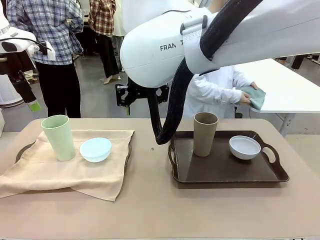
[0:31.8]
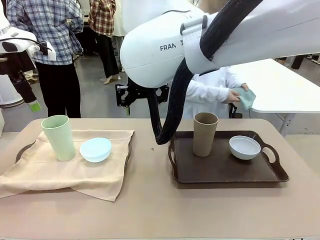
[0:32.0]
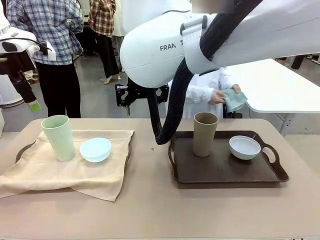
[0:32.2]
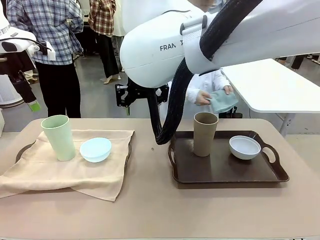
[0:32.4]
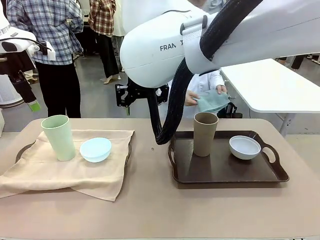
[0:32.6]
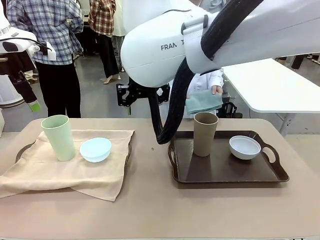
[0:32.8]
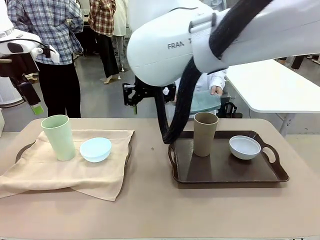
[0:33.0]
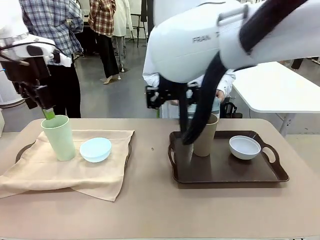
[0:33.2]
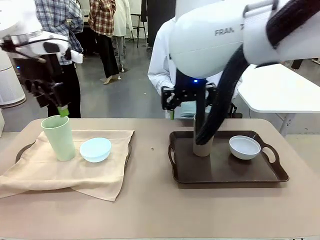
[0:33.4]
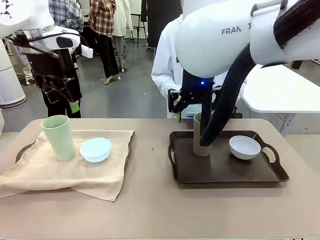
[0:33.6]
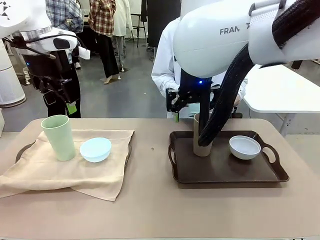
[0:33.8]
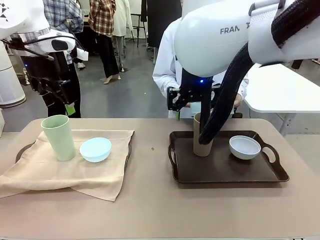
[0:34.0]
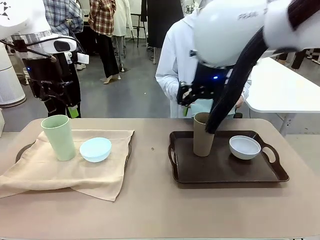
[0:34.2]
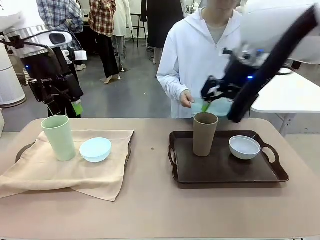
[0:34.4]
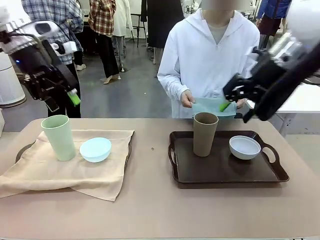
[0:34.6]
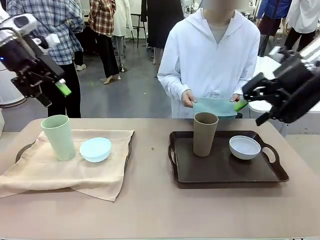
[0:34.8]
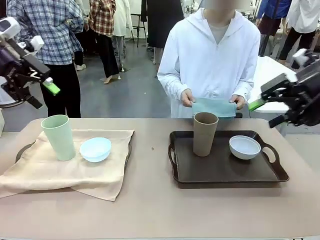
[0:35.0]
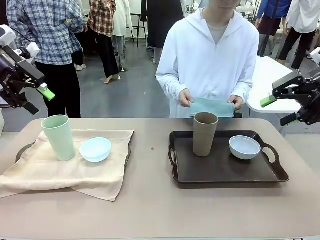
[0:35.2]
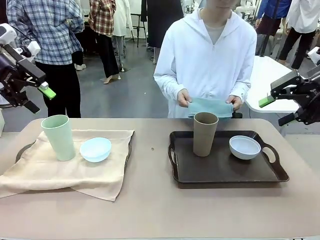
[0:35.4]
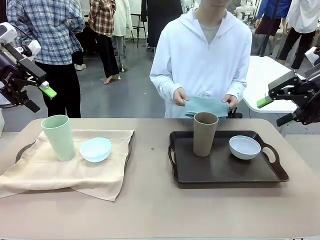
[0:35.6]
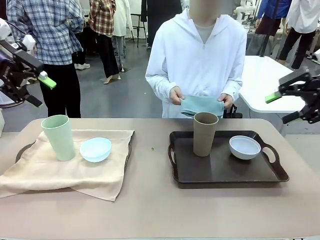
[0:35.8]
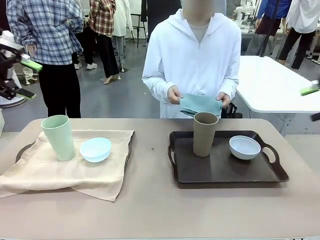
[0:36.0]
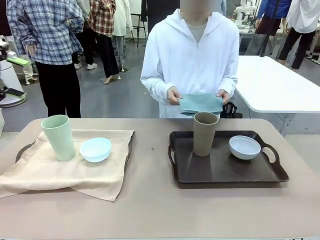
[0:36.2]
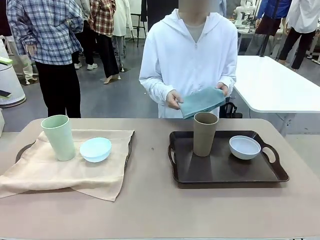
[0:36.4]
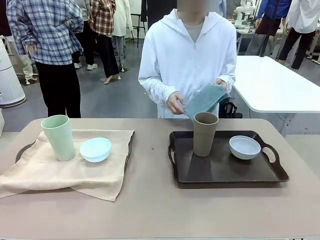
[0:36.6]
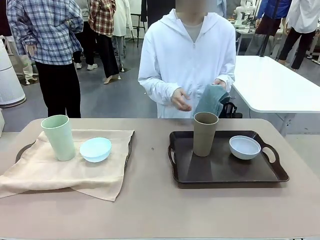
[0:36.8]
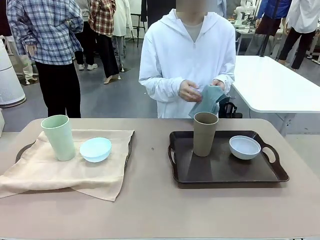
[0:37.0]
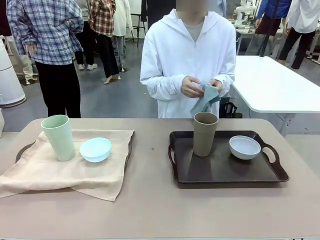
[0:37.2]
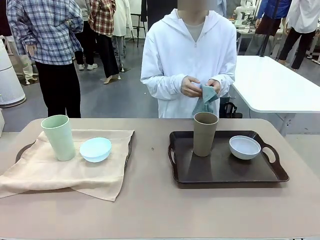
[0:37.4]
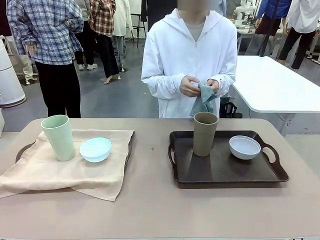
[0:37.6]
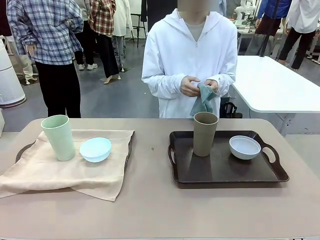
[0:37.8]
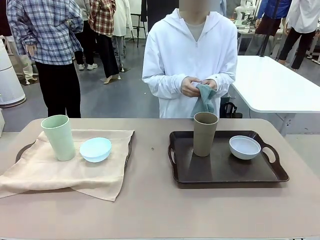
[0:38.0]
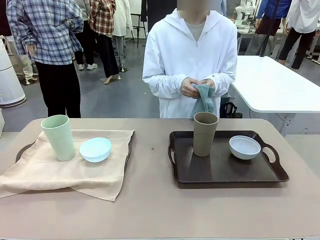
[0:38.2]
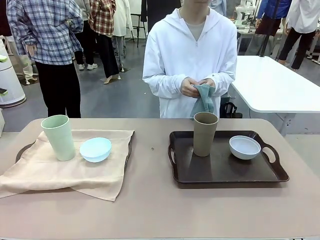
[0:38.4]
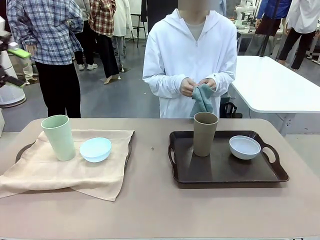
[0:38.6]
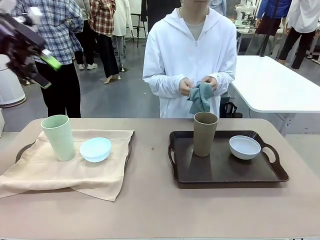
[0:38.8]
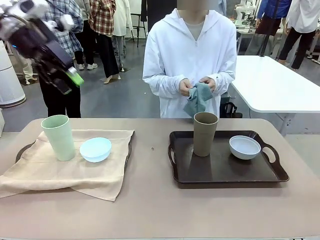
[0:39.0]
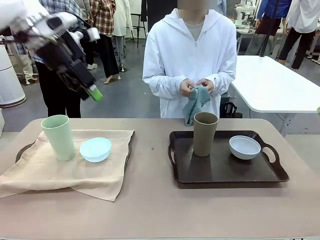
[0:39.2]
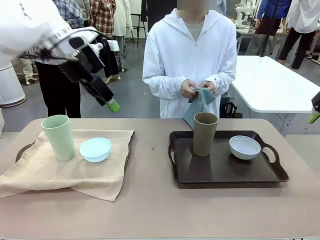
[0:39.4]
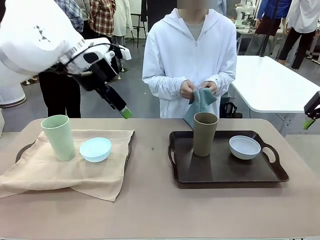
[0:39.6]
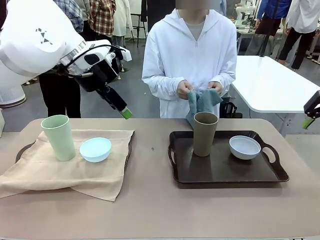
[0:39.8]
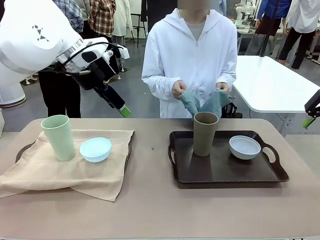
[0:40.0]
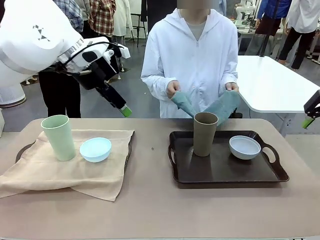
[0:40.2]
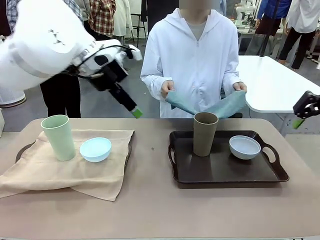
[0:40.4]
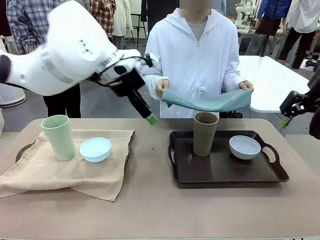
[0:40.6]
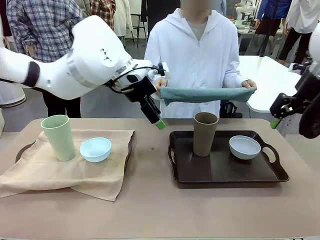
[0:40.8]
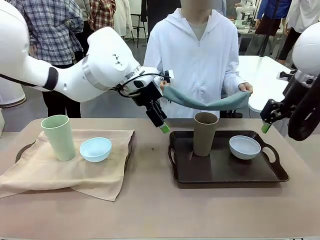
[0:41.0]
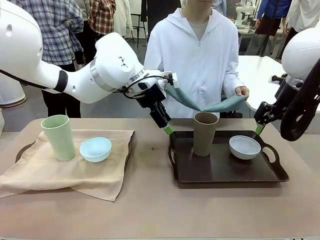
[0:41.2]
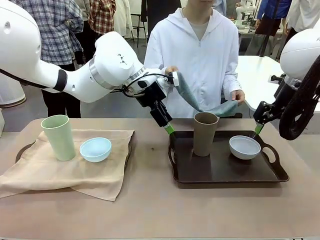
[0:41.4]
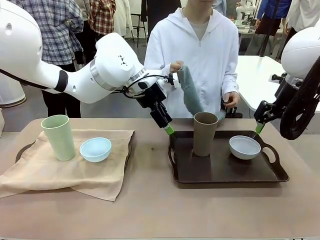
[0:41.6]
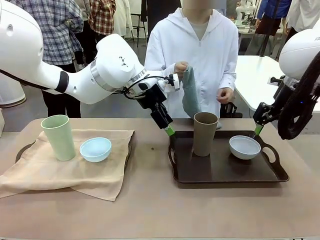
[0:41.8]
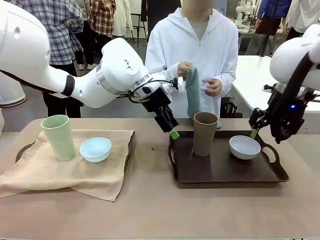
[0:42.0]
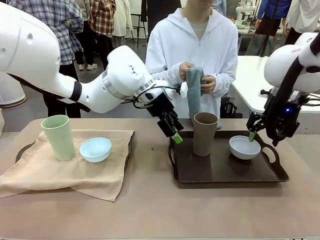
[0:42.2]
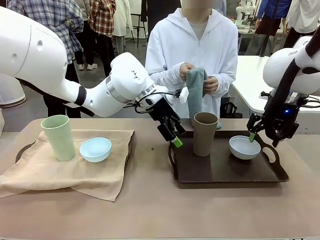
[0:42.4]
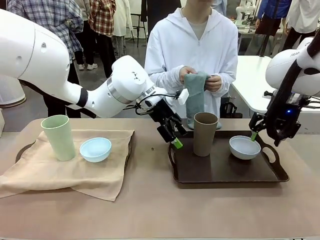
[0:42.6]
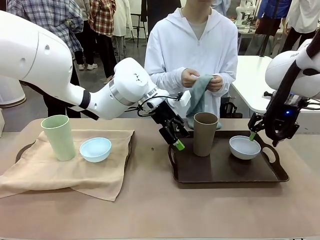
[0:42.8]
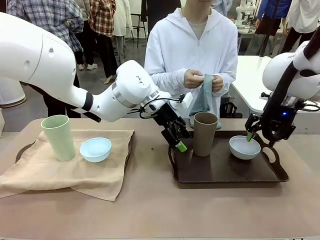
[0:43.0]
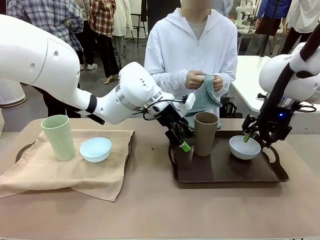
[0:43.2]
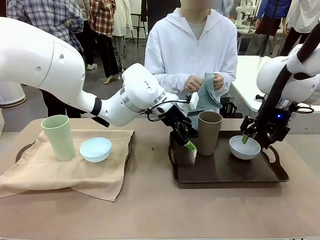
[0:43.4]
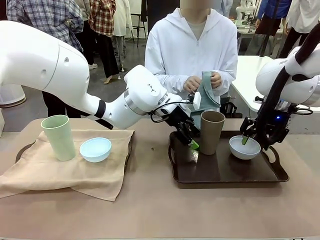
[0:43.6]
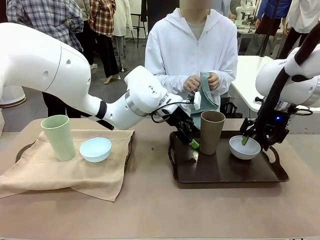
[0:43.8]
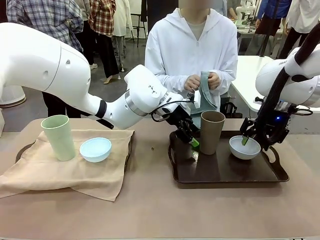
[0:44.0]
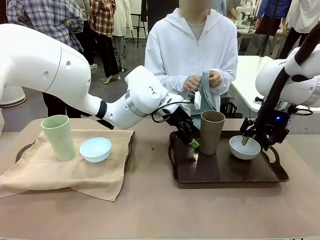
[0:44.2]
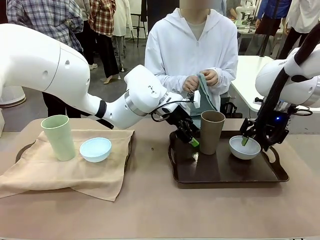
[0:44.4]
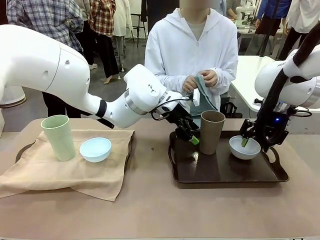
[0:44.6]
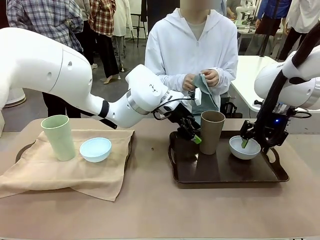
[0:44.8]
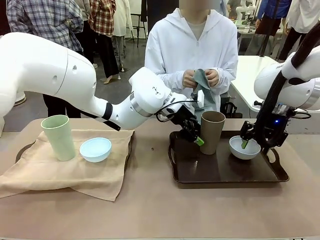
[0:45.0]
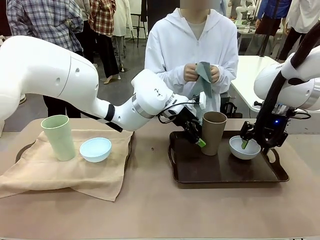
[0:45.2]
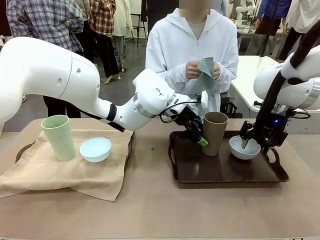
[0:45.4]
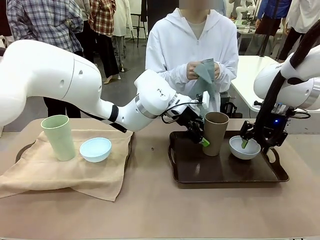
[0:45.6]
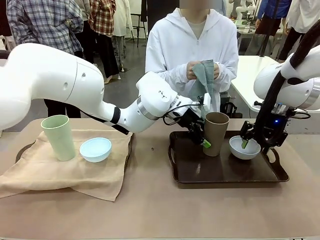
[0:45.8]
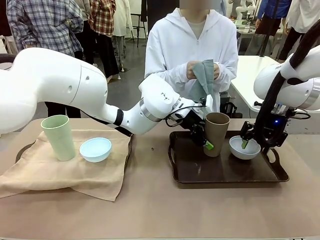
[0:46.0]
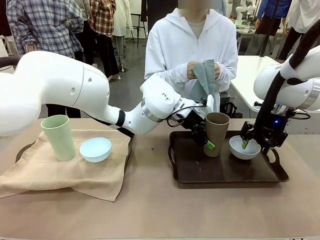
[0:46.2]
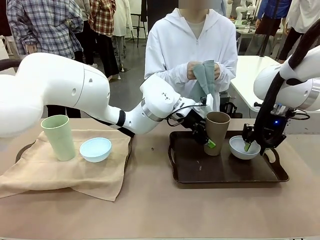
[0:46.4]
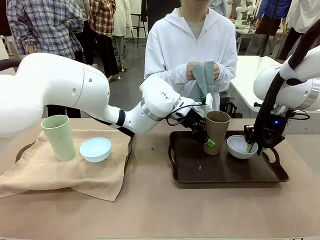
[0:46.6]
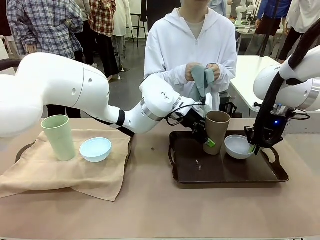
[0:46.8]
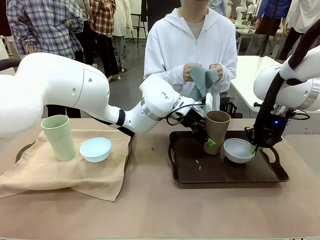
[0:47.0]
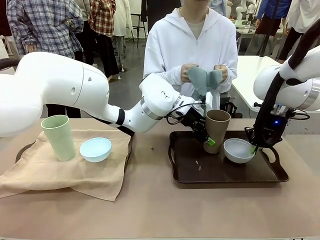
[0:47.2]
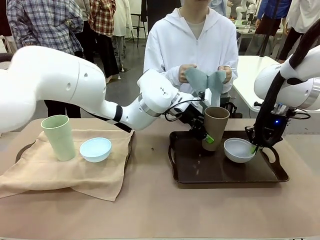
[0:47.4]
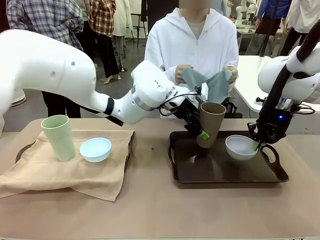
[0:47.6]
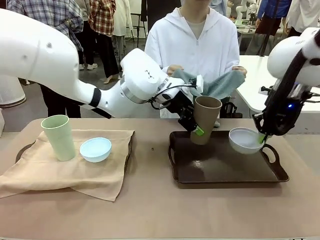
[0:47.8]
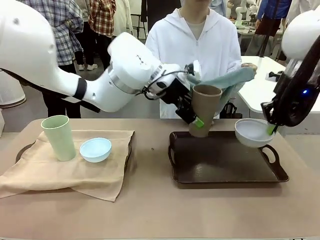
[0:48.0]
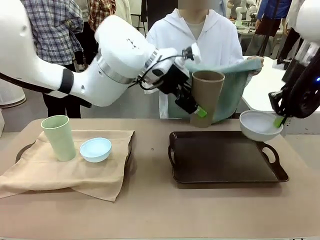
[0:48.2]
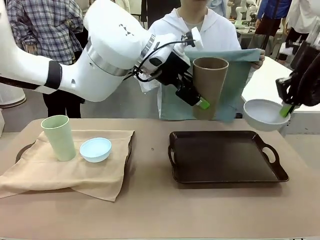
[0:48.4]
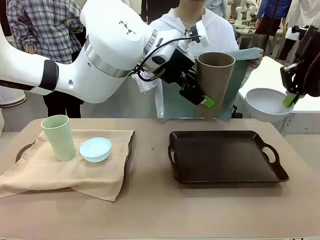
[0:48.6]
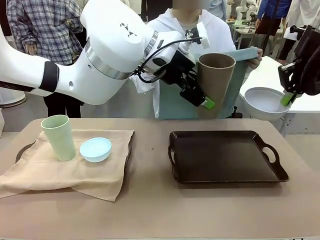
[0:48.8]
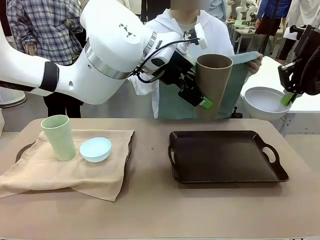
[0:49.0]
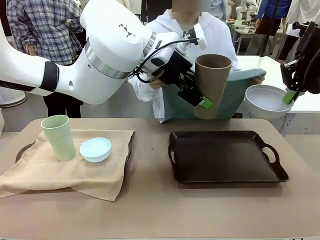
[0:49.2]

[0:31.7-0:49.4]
Robot: Pick up the Picnic Bowl and Reusable plastic cup from the Handle tray in front of the human's position and hold them in the air.
Person: When the robot lifts the bowl and the cup, the human unfolds the napkin and lays the napkin flat on the tray.
